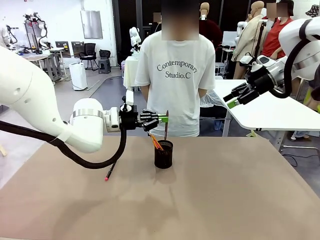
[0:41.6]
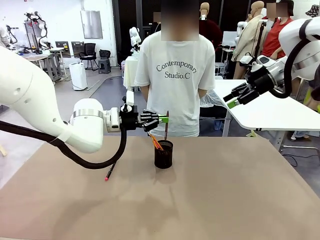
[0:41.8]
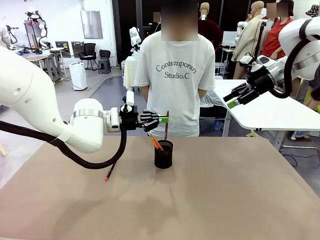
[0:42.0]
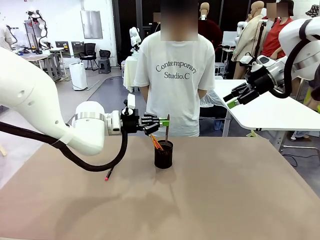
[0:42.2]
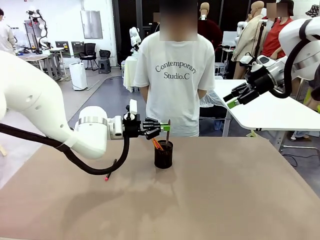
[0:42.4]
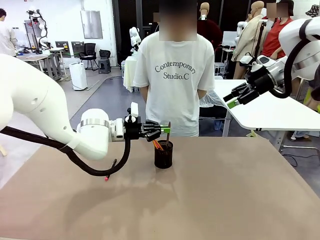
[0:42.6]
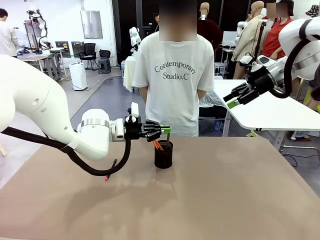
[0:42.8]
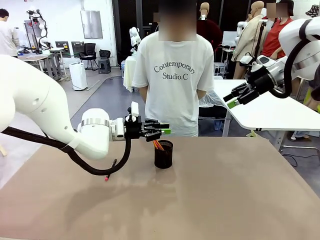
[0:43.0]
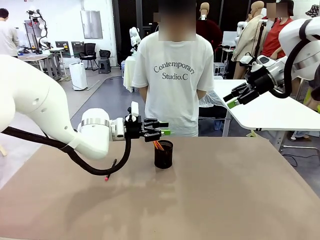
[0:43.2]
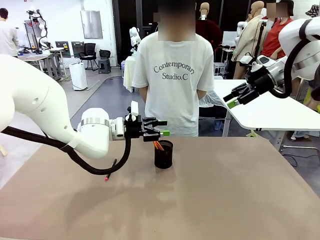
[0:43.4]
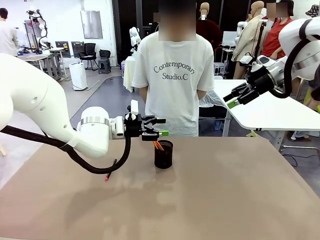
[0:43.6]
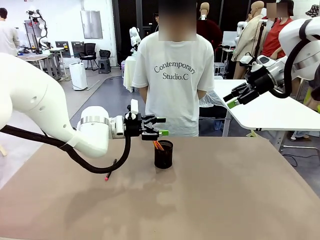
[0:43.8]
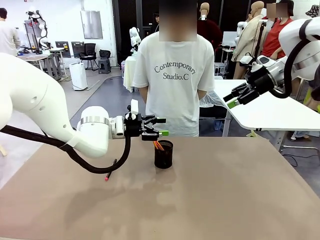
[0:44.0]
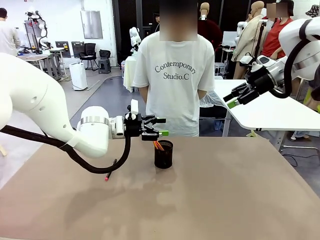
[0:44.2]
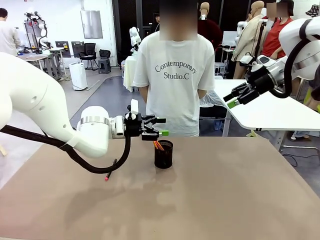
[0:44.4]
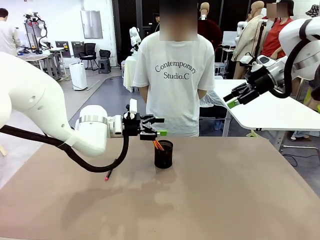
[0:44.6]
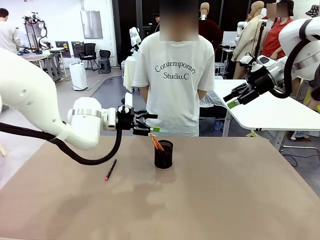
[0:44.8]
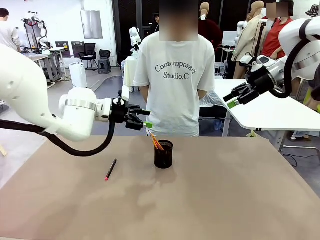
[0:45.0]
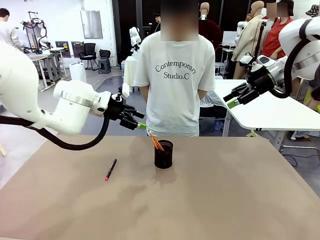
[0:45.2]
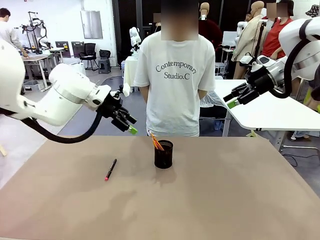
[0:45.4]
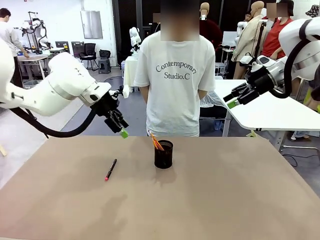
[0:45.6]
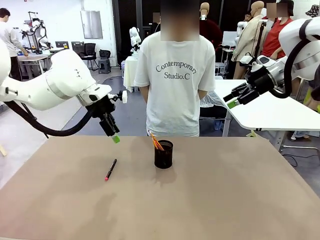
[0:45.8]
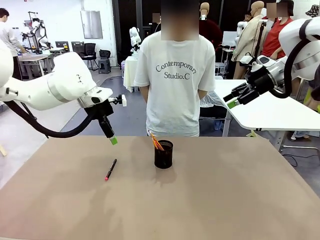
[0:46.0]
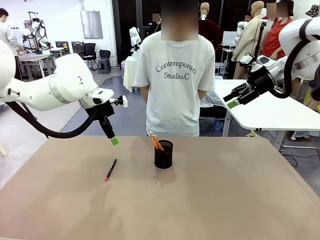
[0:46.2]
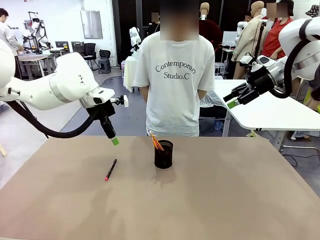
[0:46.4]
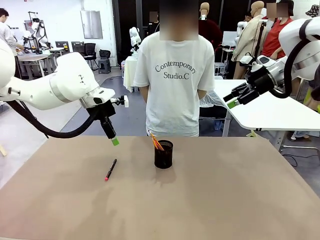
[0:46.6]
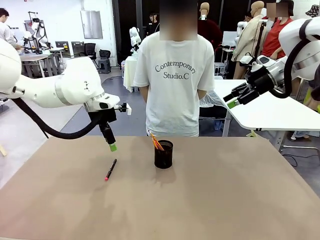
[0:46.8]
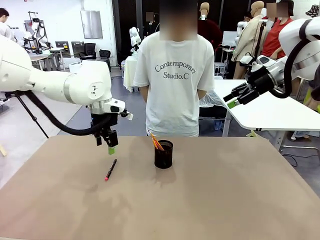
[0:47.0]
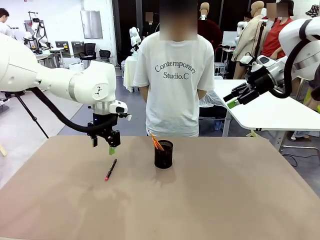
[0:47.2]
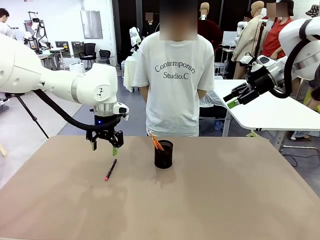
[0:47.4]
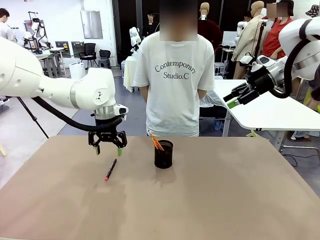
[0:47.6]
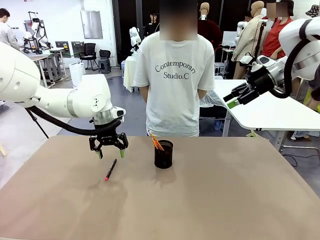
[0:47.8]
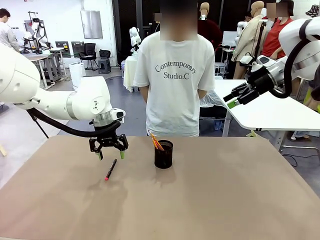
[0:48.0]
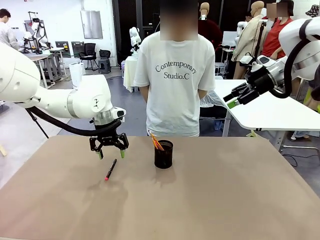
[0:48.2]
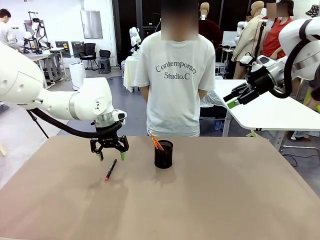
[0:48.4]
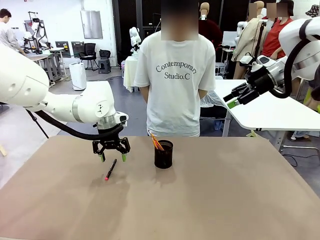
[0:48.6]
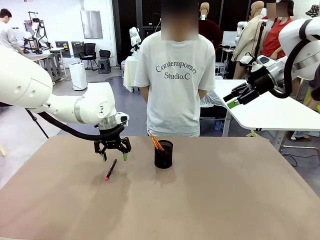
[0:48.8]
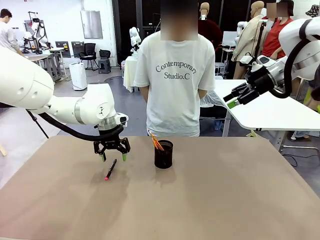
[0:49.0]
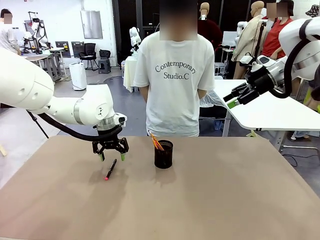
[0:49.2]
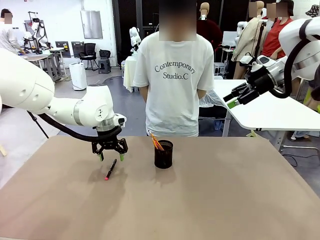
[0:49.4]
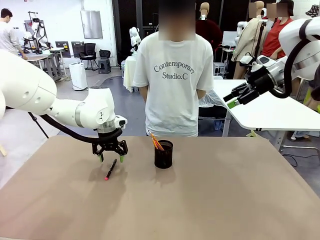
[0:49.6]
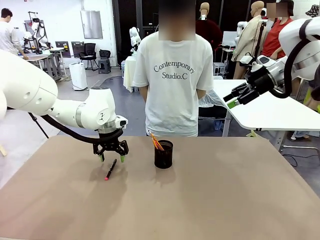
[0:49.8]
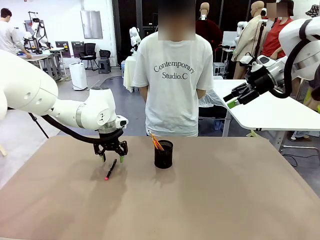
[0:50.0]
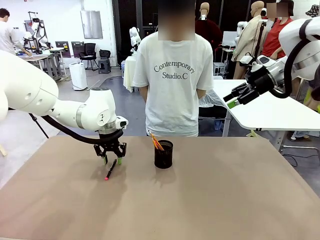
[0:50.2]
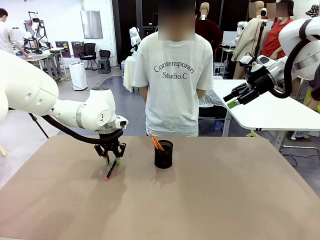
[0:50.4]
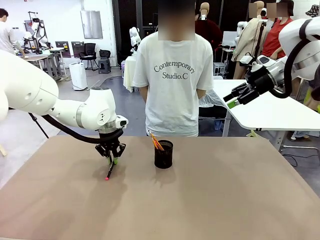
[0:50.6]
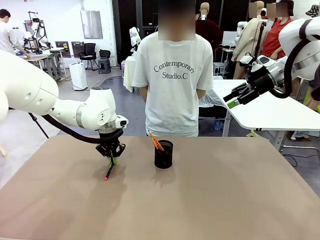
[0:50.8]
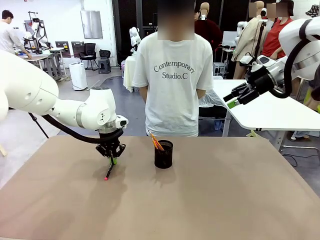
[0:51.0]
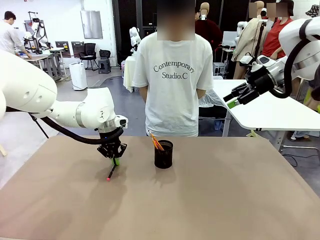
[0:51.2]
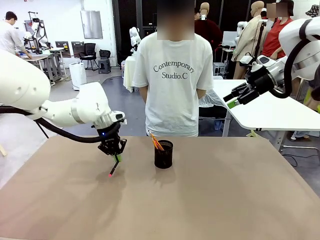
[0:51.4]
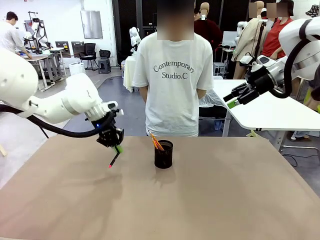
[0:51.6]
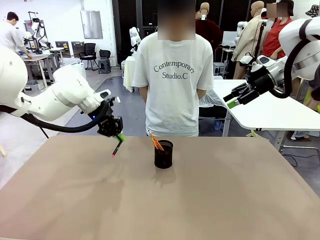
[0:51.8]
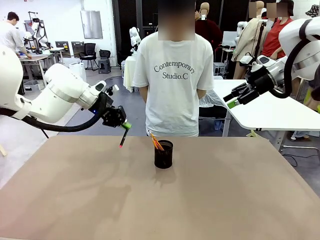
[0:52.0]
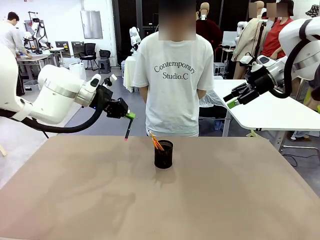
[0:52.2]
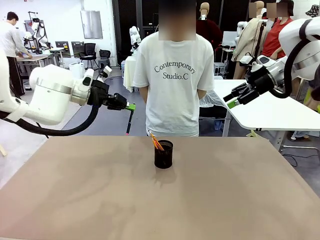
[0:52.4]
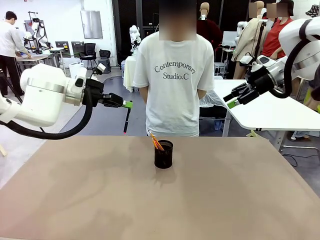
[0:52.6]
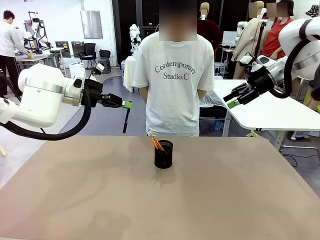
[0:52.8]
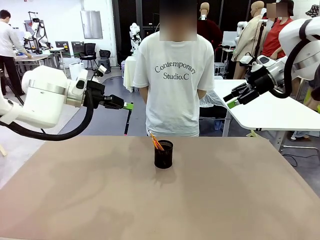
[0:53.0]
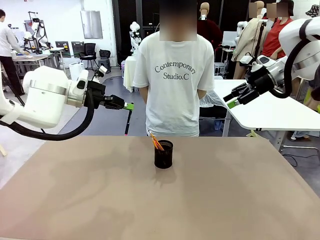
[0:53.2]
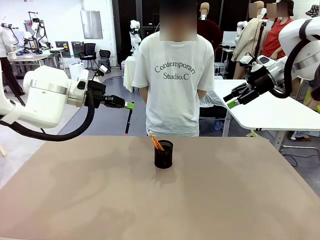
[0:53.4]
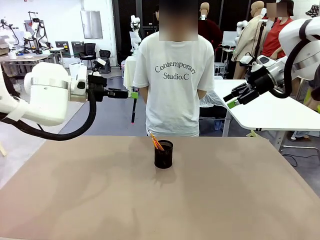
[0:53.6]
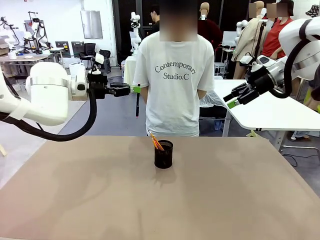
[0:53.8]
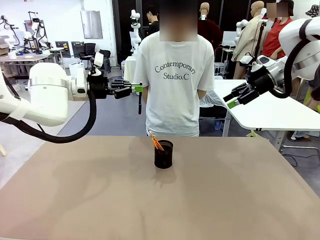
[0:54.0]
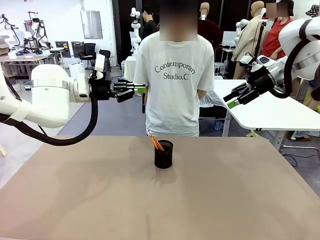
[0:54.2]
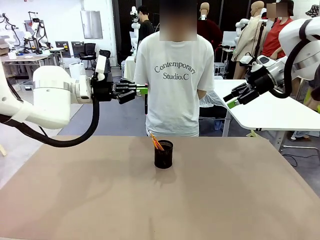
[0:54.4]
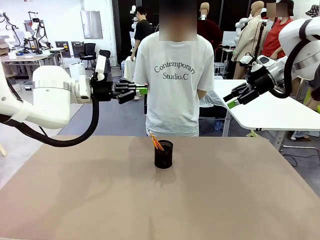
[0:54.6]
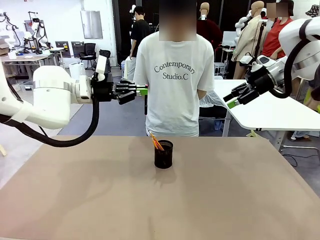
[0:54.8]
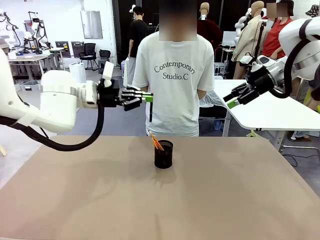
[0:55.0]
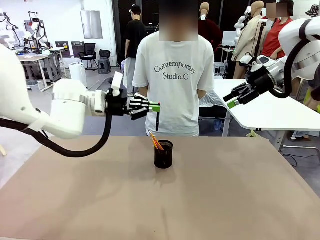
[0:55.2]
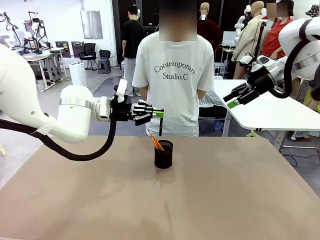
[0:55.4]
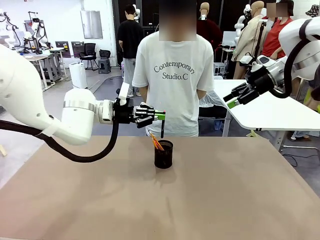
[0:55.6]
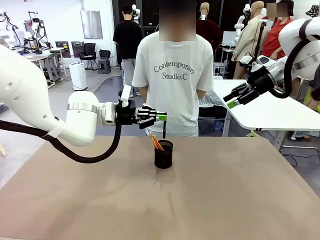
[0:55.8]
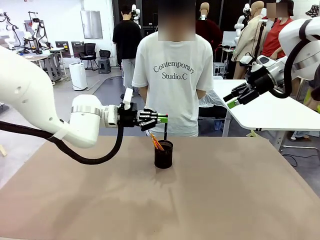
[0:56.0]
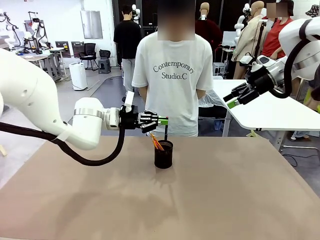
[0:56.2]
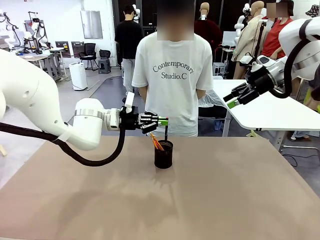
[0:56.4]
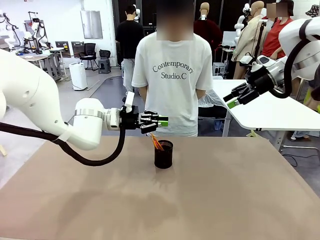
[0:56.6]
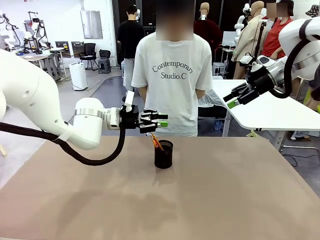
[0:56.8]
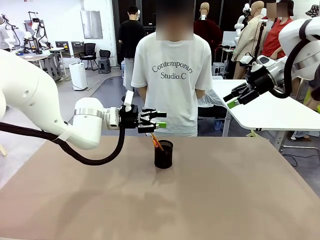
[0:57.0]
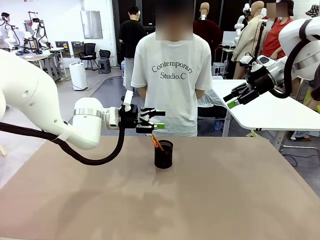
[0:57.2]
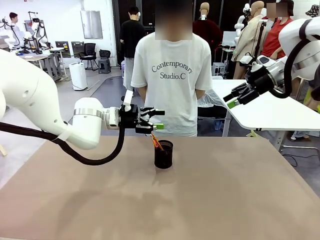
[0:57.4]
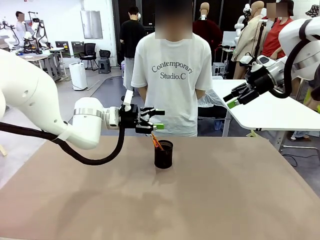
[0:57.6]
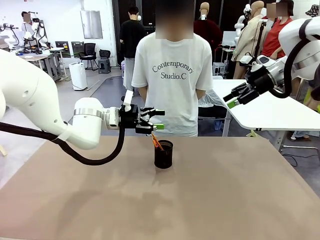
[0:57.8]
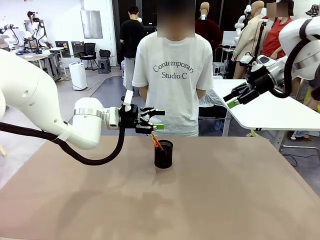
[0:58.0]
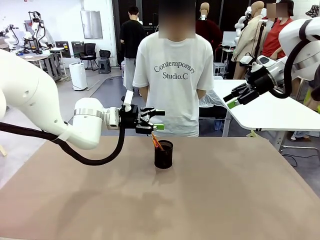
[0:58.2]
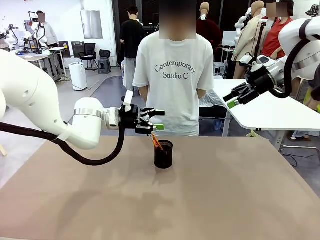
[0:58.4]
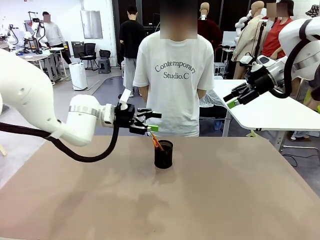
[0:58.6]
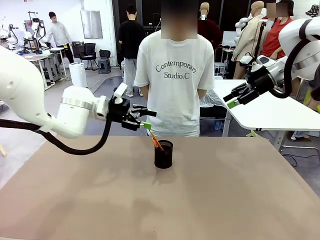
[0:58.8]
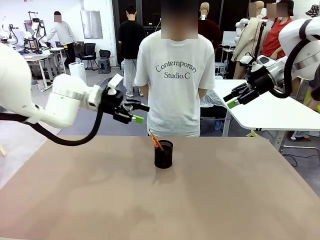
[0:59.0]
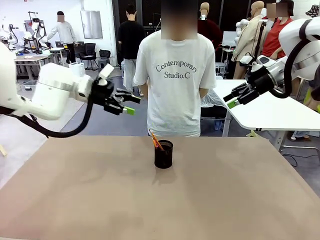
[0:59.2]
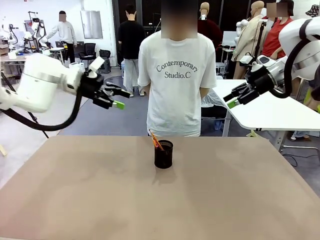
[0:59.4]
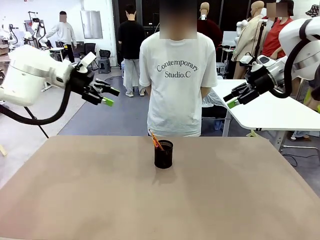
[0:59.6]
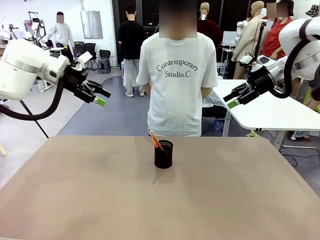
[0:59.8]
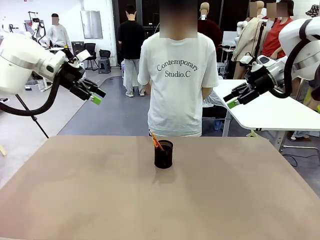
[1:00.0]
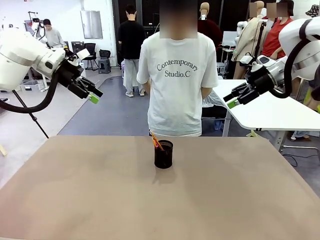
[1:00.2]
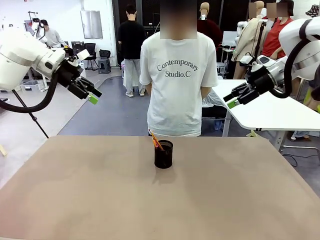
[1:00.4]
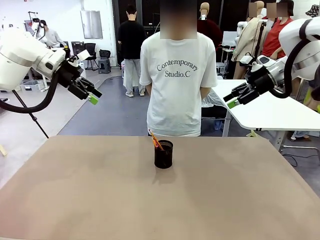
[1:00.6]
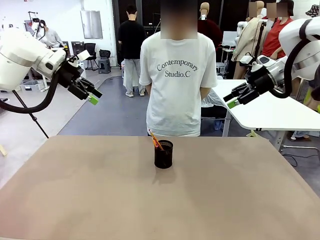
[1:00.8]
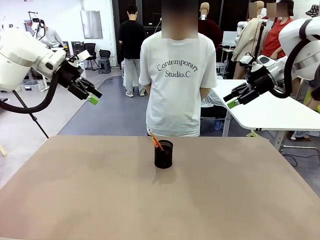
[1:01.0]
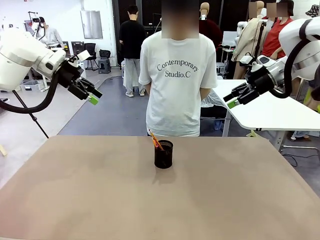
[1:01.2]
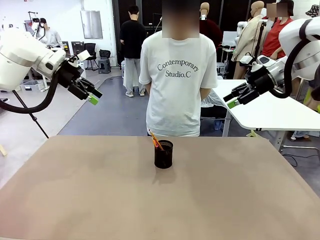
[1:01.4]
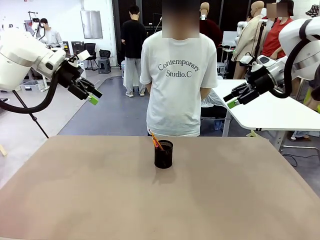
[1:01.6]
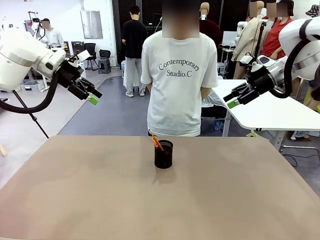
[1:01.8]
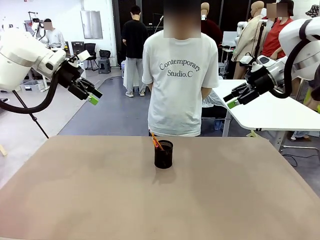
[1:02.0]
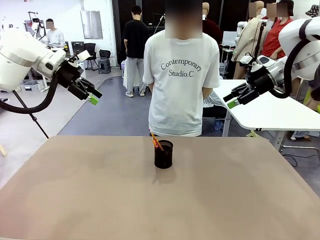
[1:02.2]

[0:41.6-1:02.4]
Task: Place the pens into the pen holder.
Robot: Pick up a writing instrument from the table and place it into the Pen holder.
